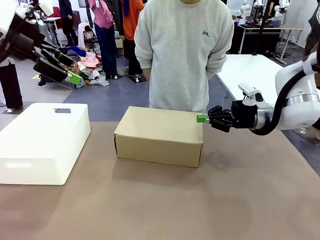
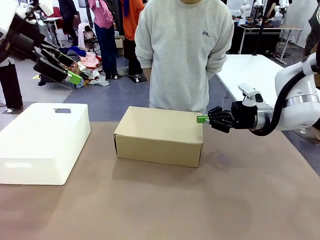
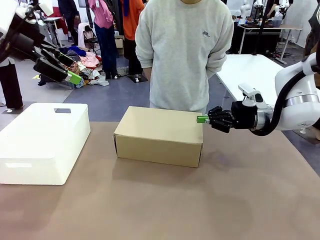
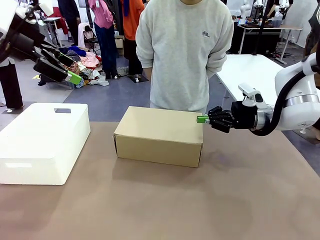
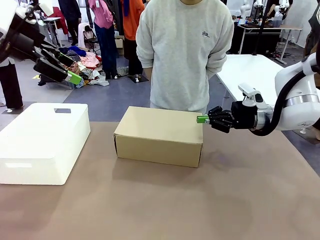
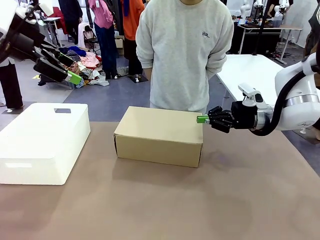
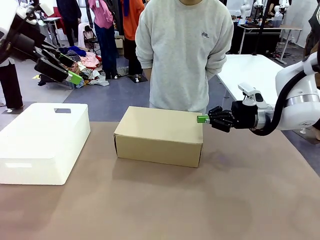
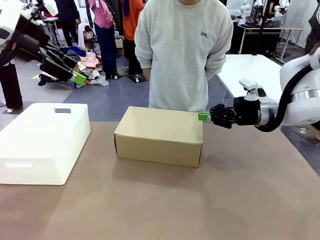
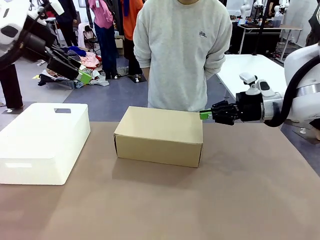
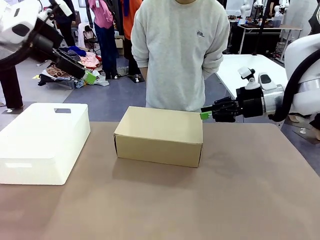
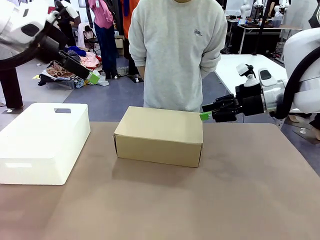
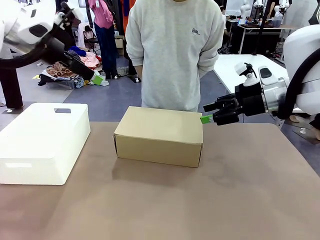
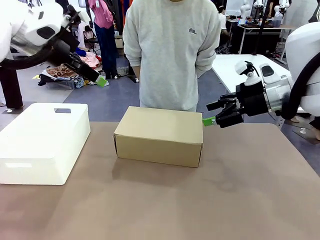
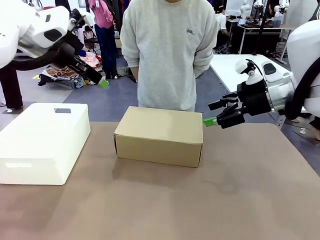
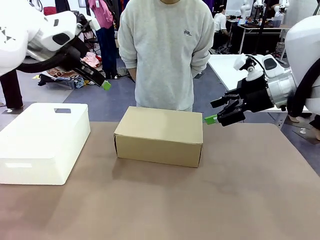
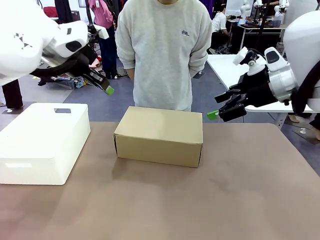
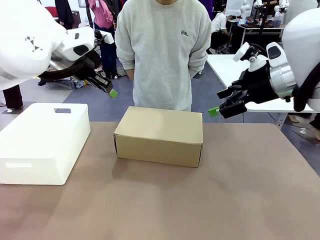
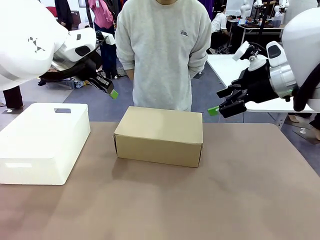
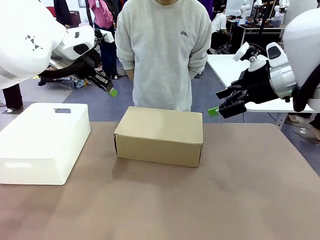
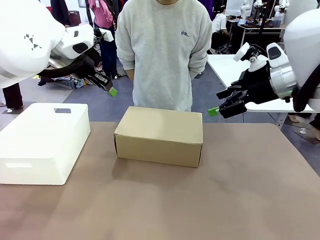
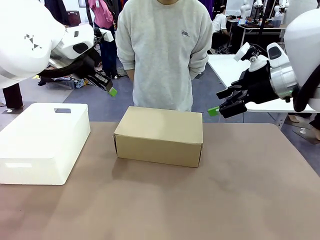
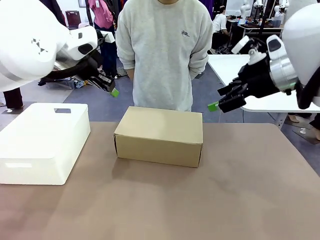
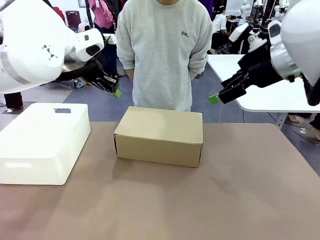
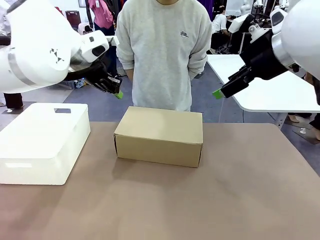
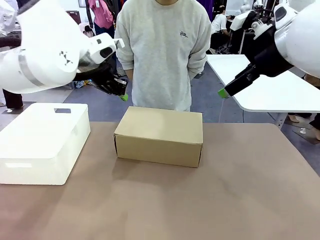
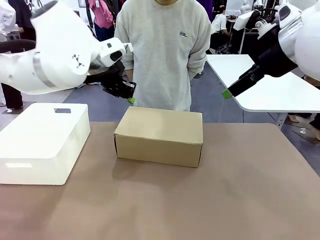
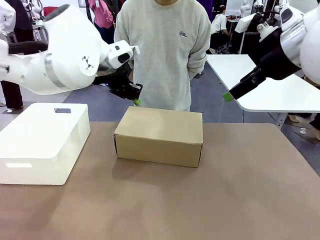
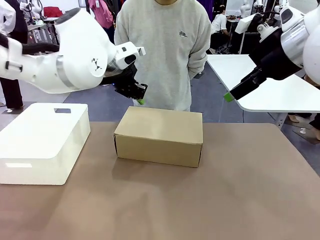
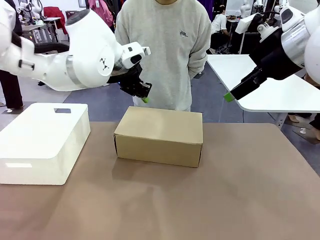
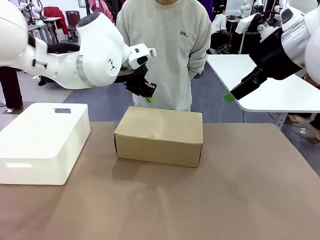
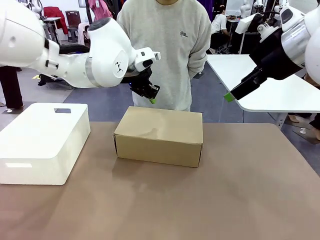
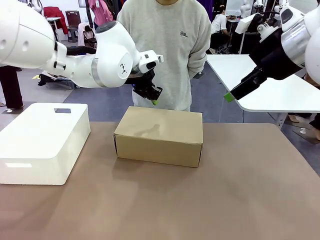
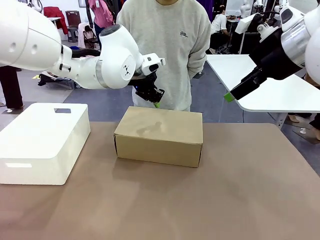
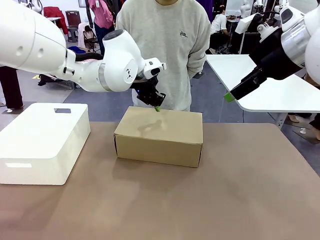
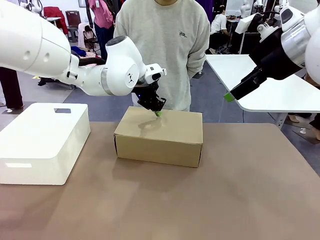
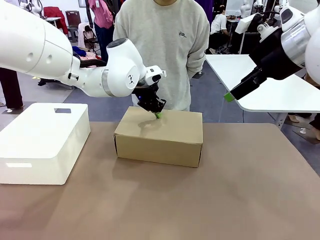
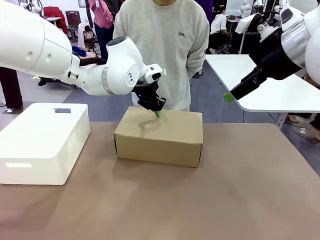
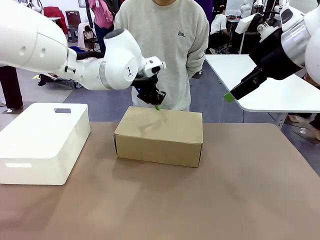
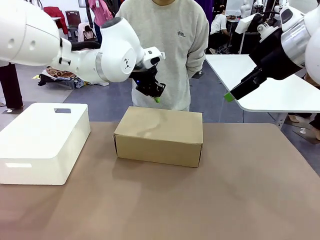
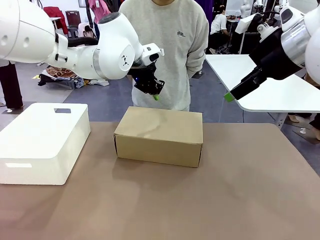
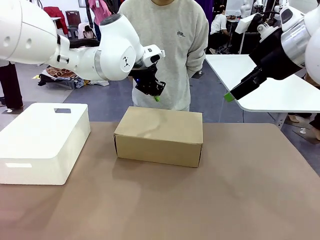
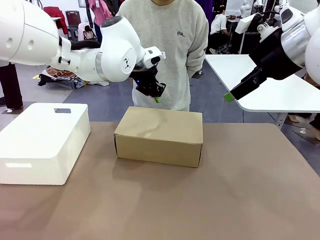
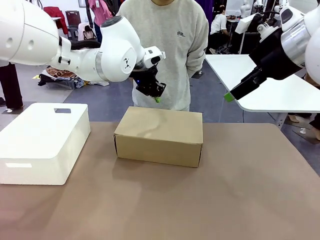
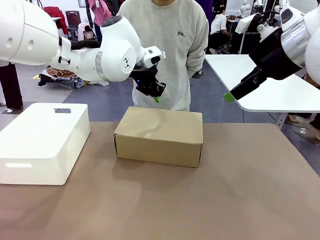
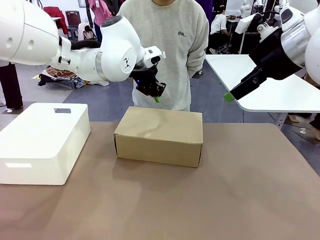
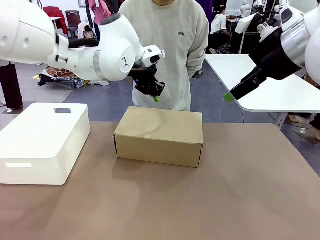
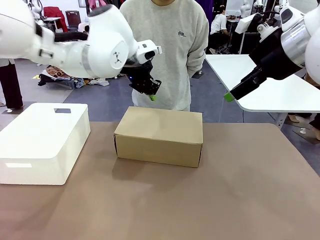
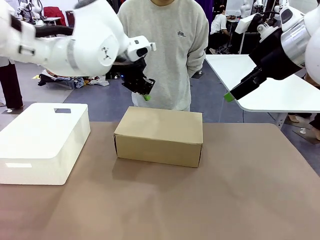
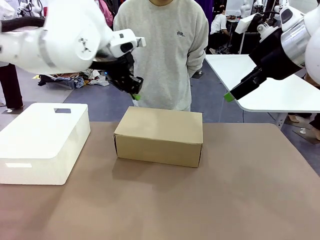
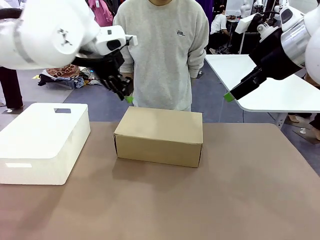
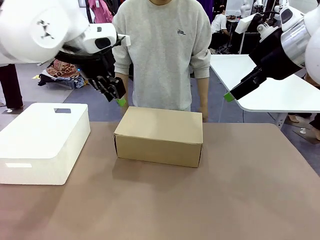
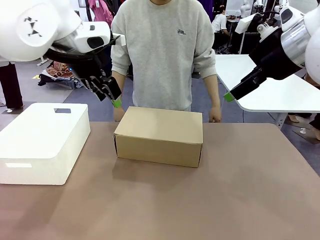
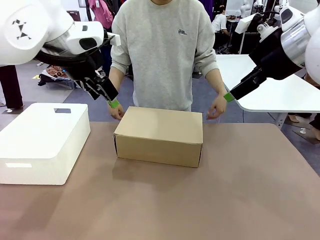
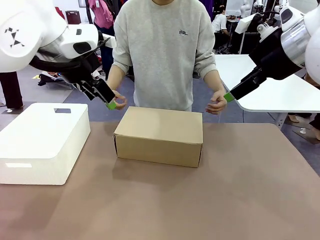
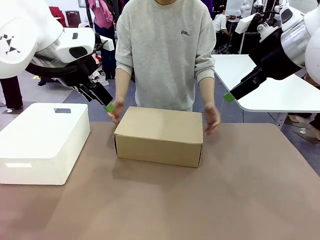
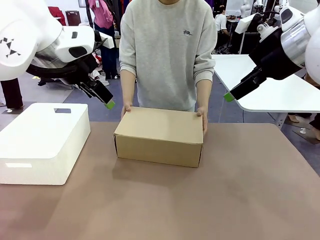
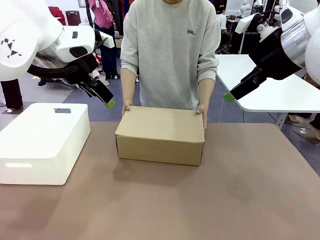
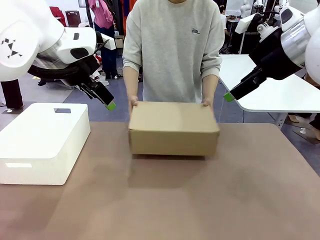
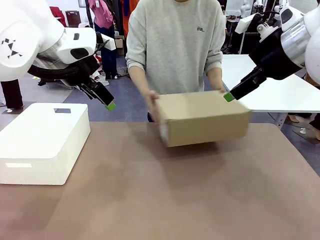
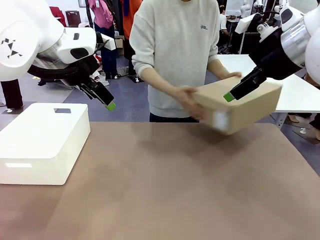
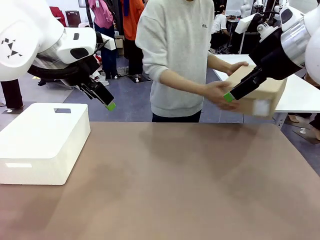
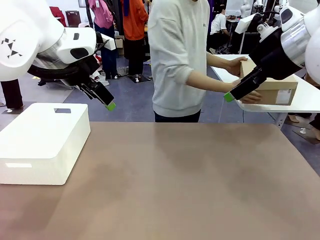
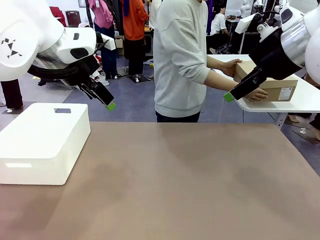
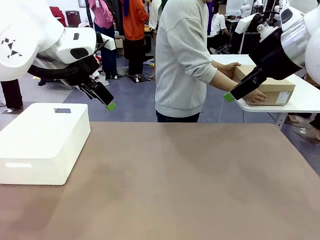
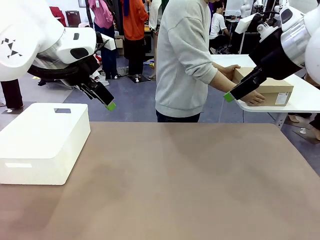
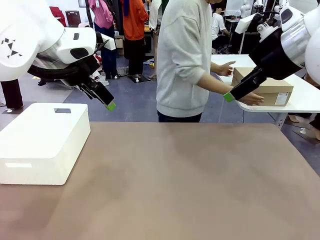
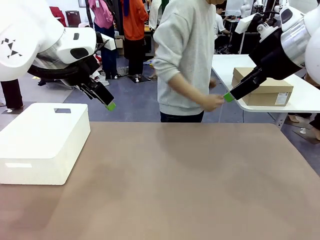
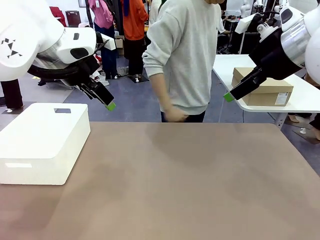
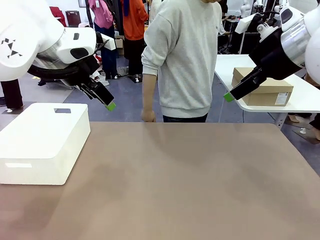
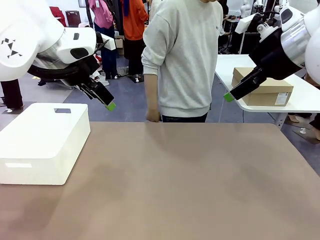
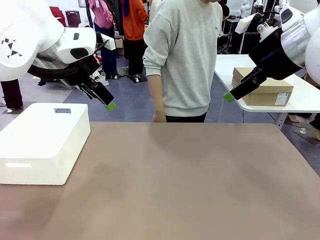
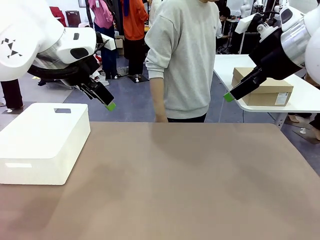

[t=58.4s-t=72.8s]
Task: Pack the shoes into the box.
Robot: Press down on the lid of the Shoes Box.
Person: Place the closed Shoes Box to the right side of the human table.
